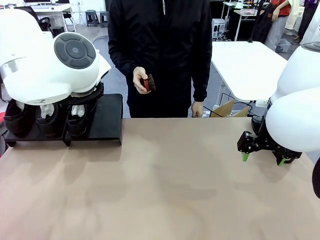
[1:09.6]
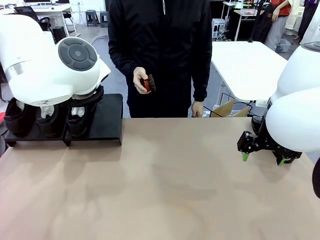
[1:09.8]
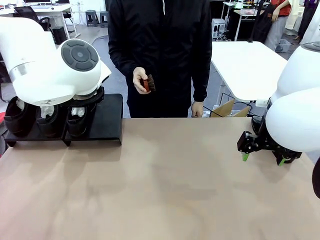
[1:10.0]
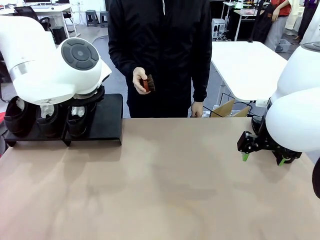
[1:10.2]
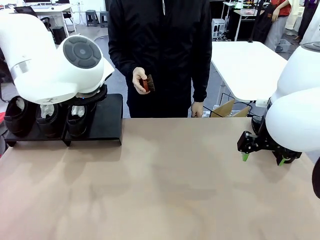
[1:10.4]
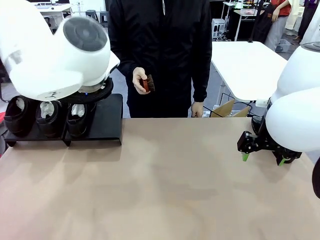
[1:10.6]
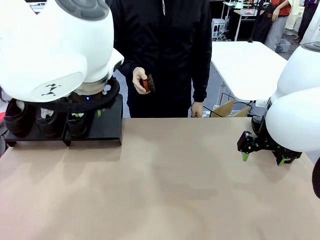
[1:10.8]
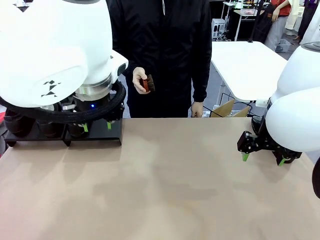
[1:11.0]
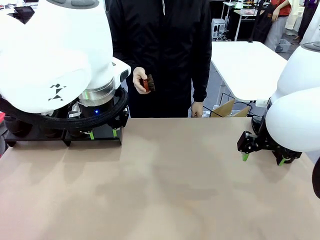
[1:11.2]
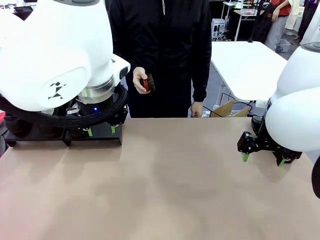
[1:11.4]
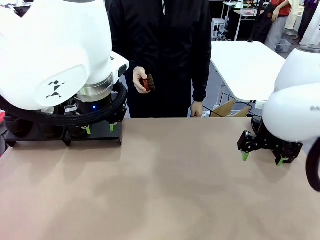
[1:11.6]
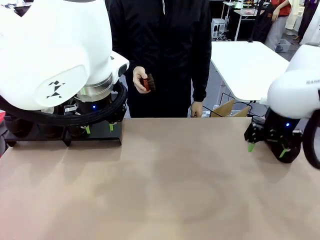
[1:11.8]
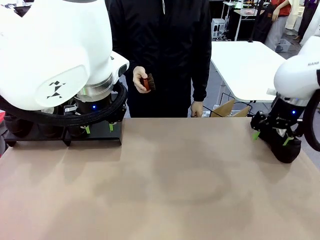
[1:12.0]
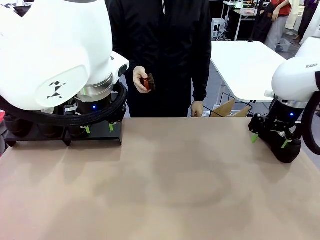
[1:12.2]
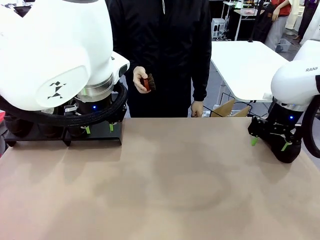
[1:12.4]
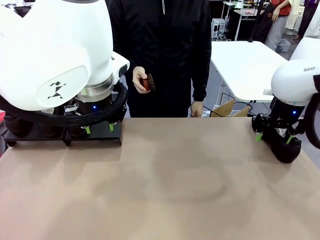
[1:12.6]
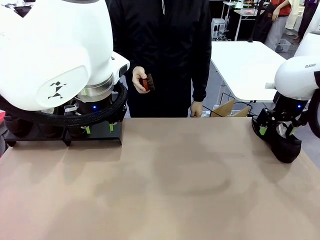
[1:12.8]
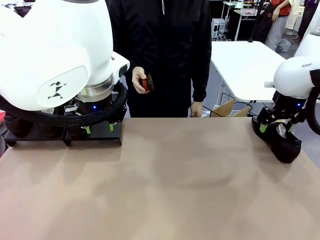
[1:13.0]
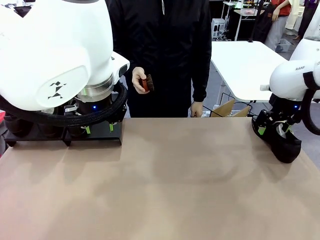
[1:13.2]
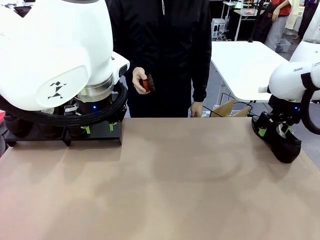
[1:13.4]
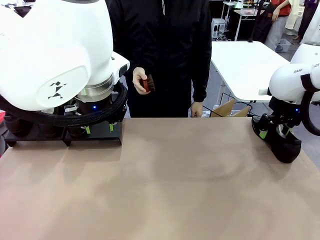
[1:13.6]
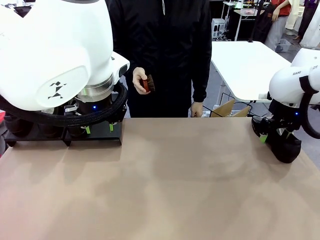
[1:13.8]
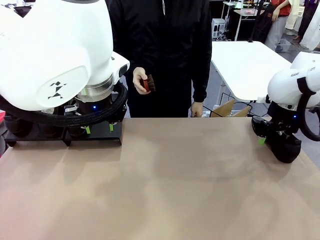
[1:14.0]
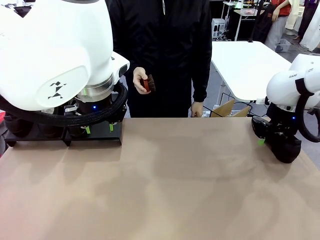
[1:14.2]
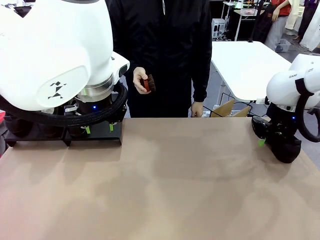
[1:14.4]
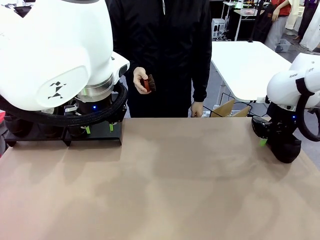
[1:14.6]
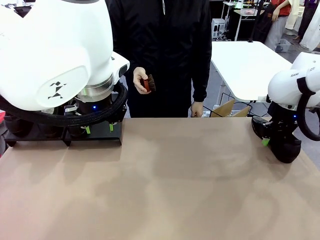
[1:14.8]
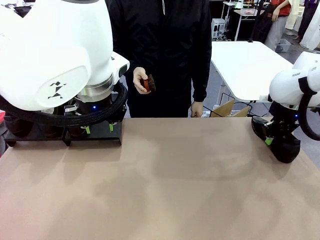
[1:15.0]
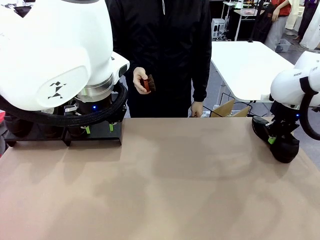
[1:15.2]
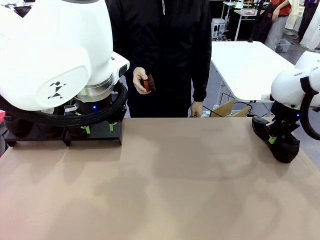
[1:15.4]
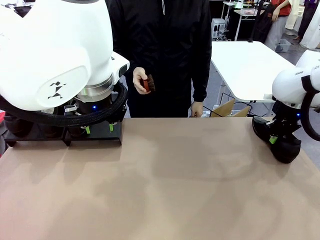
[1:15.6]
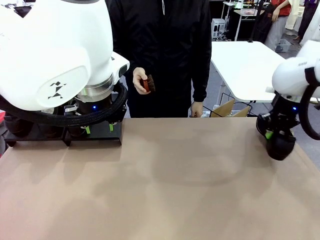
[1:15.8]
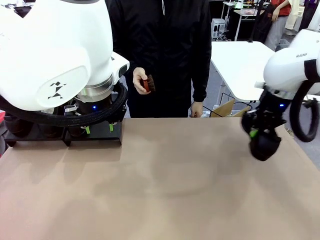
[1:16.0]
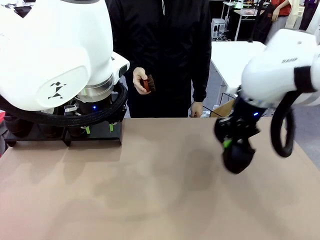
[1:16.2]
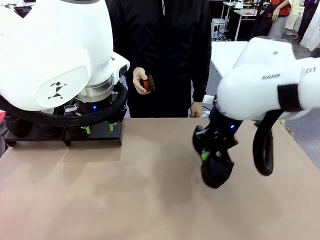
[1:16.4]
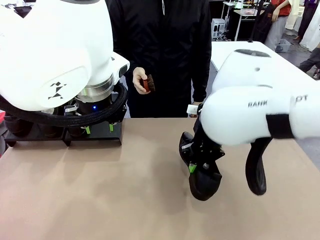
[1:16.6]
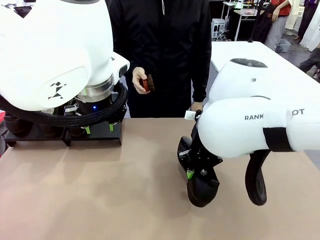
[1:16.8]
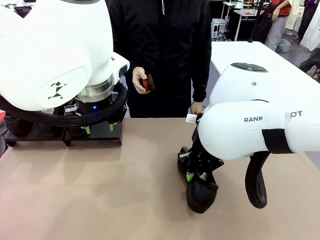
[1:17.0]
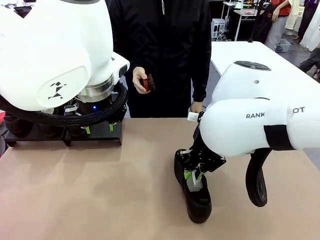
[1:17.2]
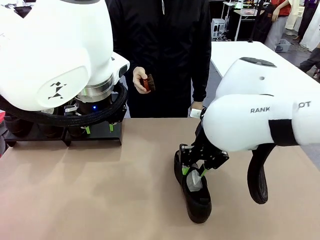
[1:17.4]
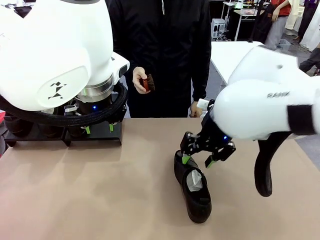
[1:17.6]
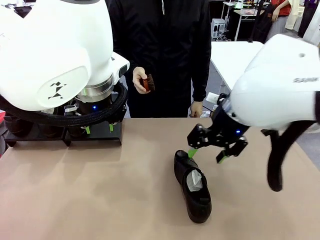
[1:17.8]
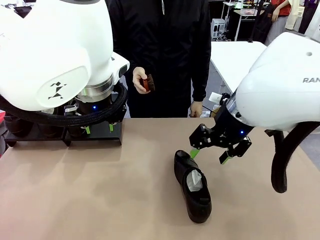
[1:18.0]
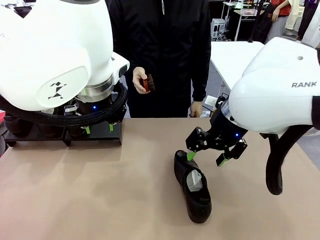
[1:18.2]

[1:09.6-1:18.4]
Task: Organize the shoes by placing them on the stand.
Robot: Pick up one Shoe and place it in the middle of the table.

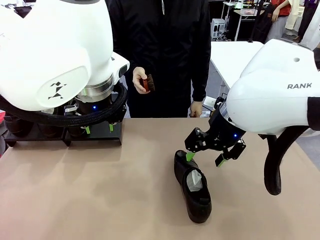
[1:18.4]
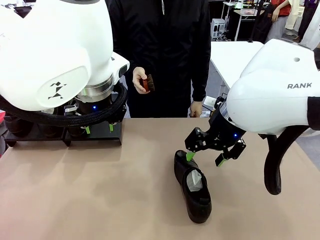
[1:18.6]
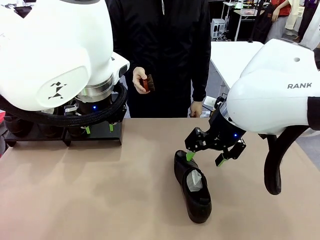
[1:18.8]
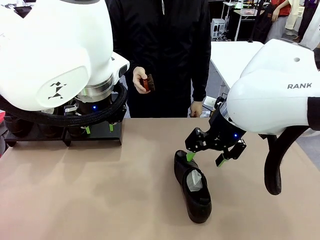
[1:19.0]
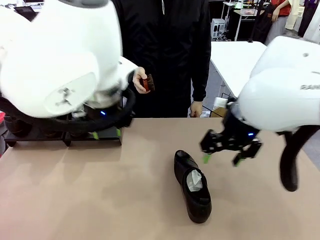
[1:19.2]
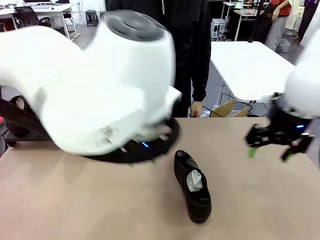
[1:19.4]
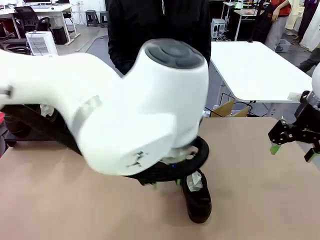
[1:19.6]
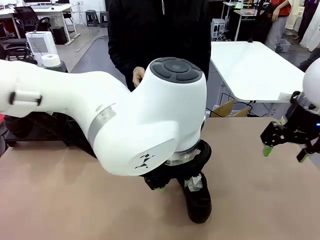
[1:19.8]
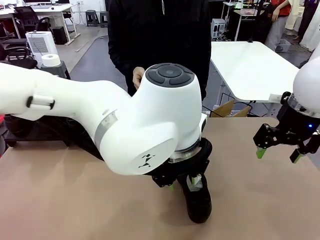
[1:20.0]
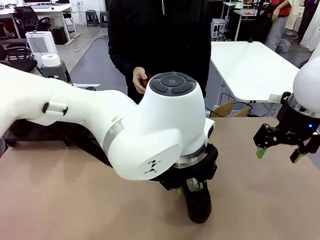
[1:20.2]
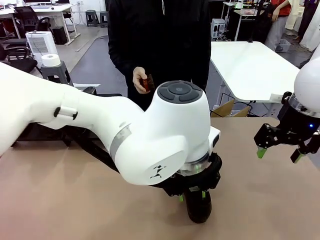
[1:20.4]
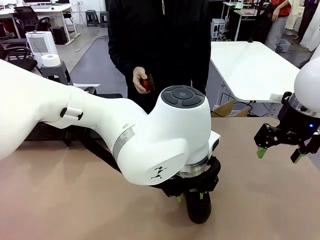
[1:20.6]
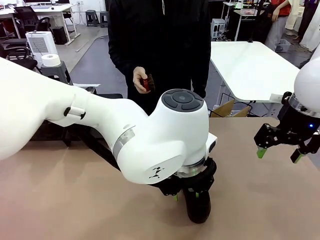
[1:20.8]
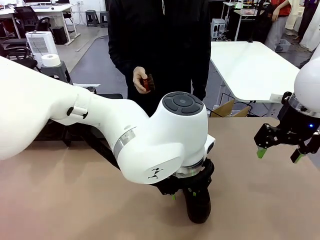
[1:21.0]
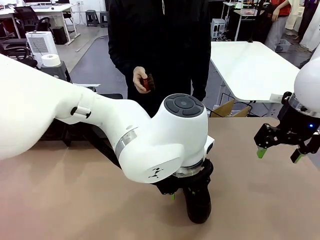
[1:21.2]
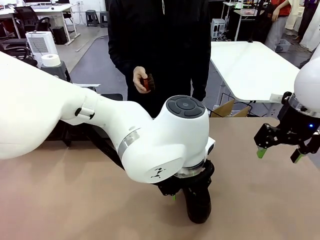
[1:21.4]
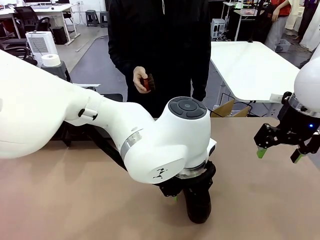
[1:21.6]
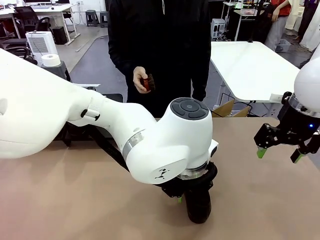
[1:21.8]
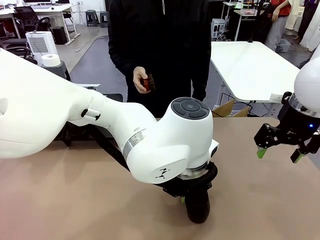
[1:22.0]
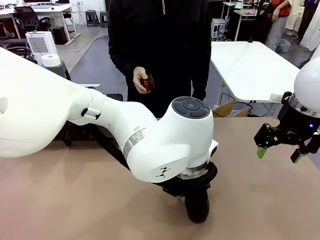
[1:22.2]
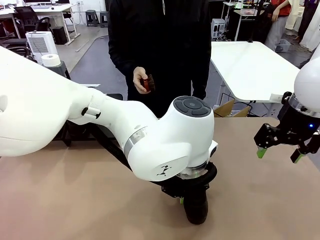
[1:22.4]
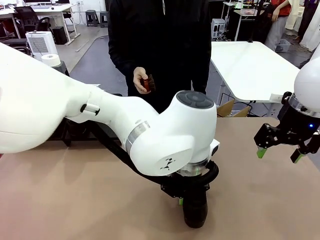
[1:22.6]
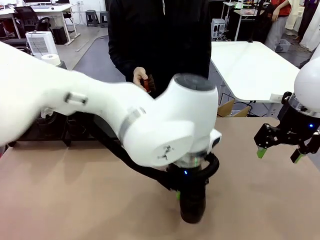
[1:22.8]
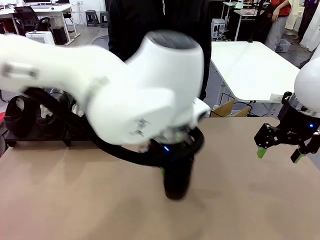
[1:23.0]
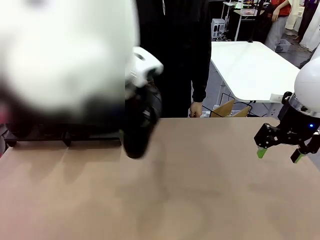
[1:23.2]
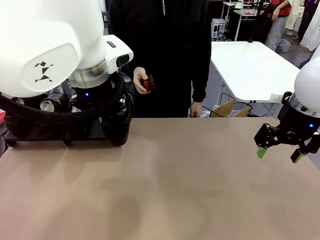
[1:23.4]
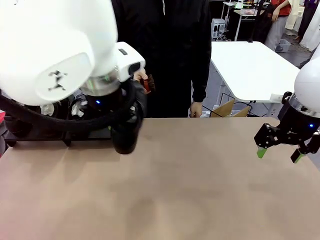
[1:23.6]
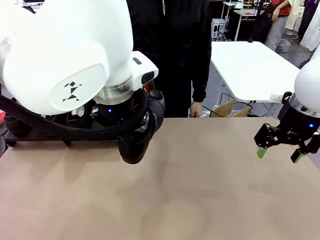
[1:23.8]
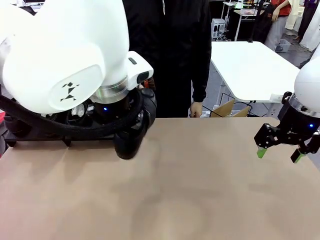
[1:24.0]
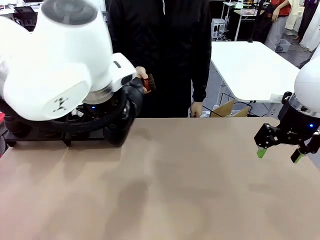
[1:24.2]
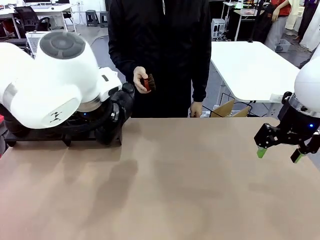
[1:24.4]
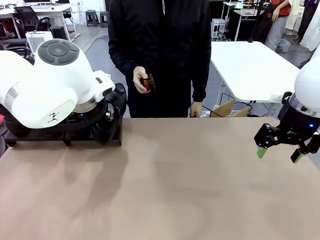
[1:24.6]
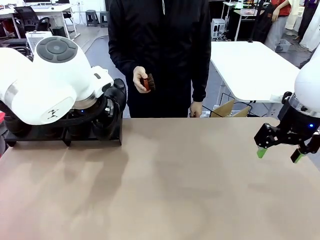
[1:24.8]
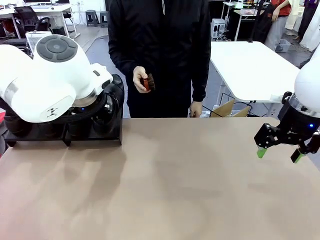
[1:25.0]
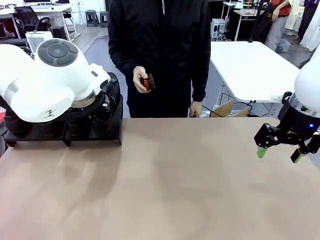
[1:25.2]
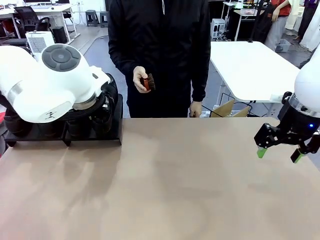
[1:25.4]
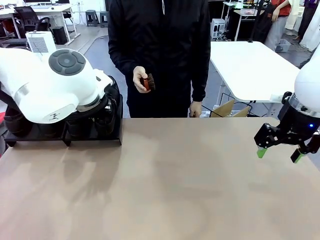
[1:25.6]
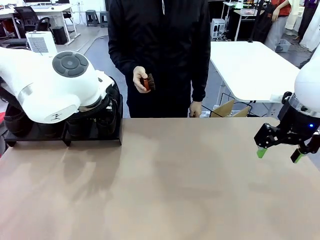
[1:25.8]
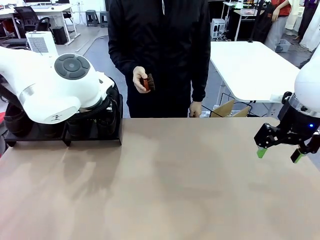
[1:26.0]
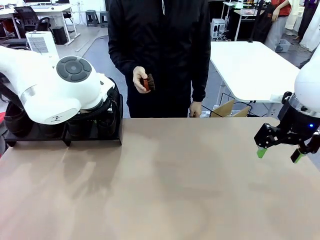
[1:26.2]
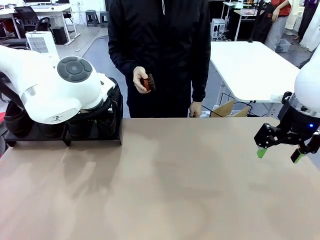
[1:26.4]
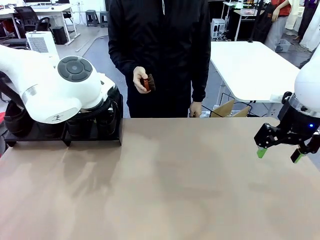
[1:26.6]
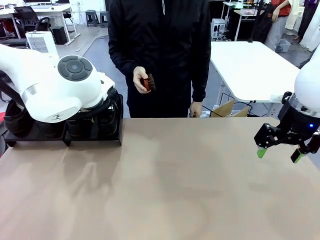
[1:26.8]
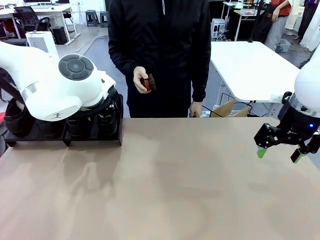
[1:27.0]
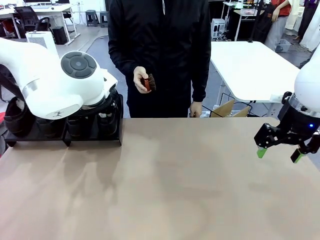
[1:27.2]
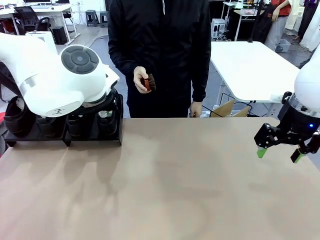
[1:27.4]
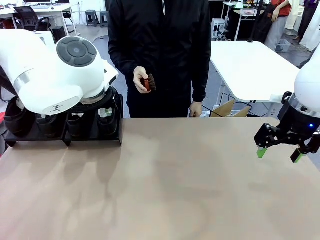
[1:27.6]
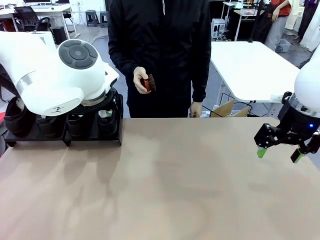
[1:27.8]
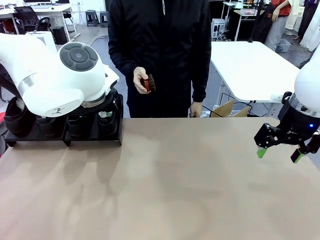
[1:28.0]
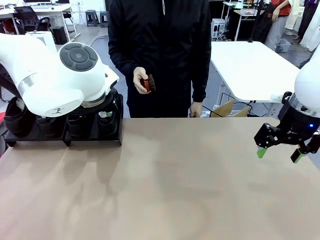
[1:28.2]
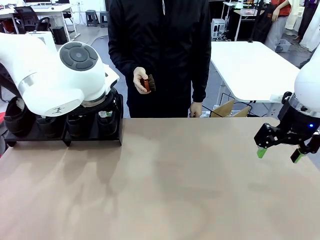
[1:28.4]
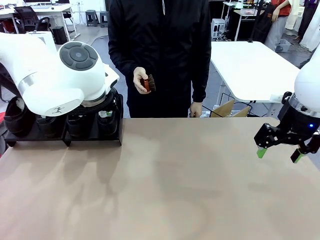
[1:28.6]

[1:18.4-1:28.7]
Robot: Place the Shoe from the middle of the table onto the Shoes Stand.
